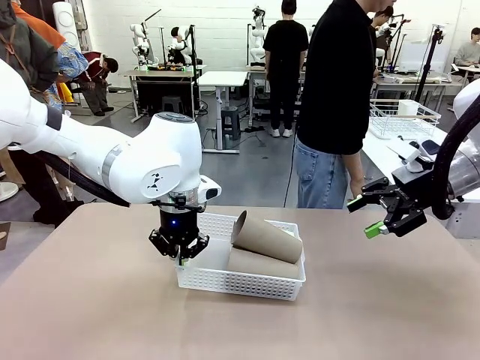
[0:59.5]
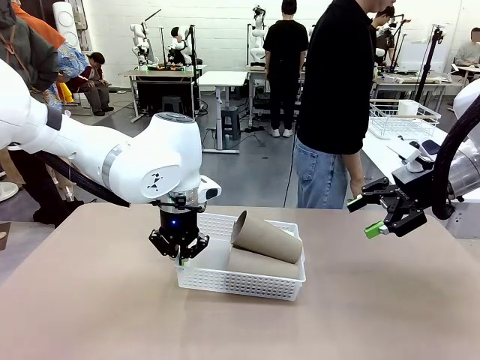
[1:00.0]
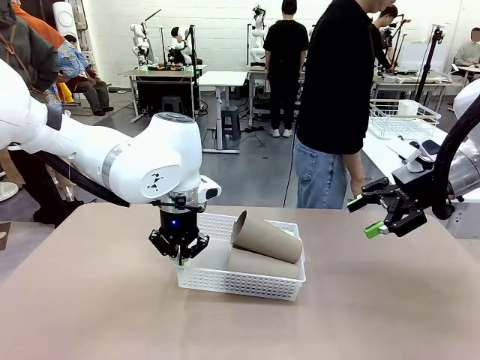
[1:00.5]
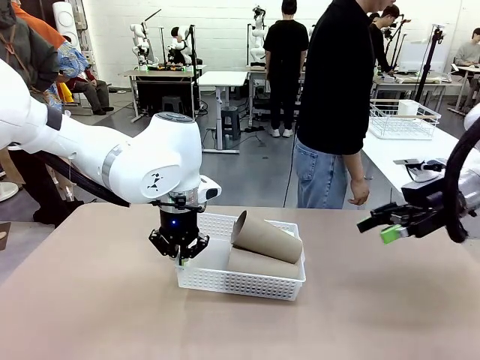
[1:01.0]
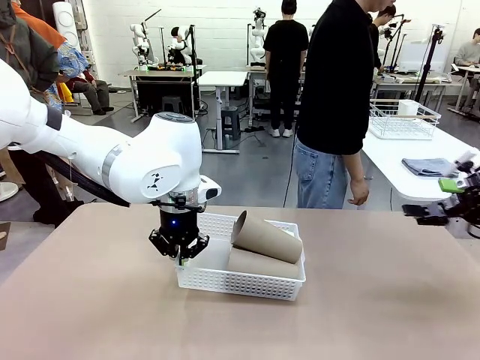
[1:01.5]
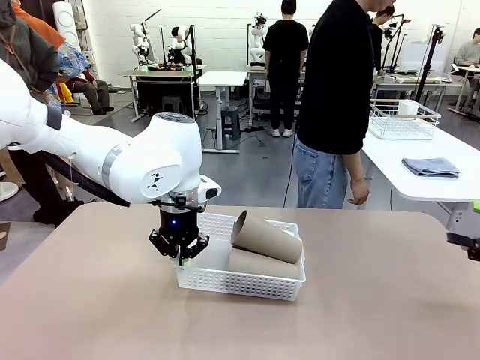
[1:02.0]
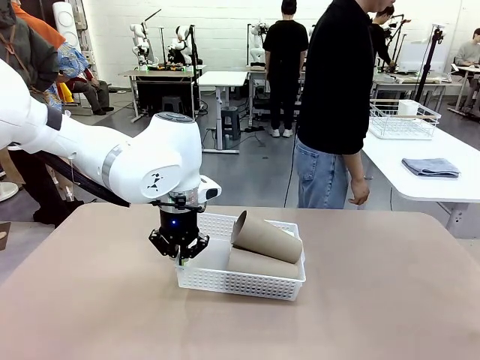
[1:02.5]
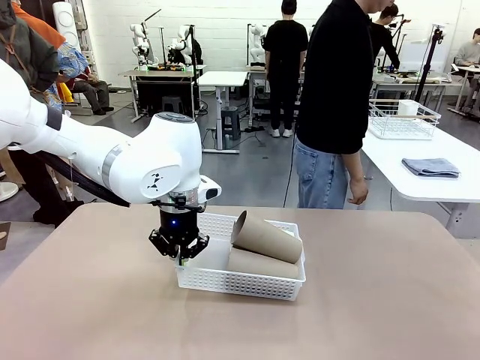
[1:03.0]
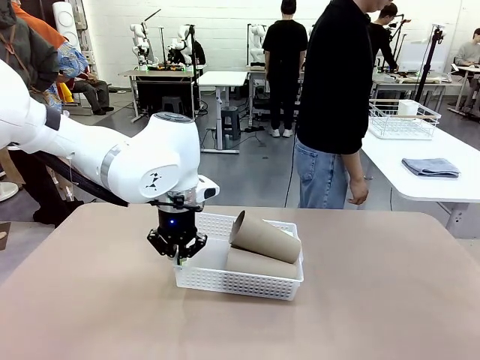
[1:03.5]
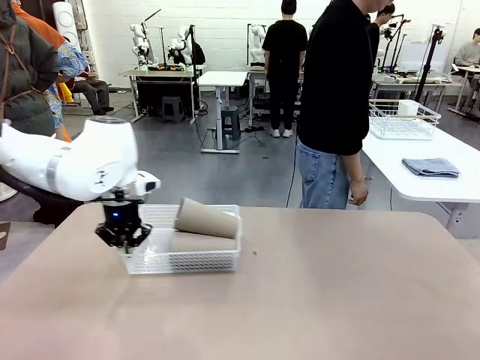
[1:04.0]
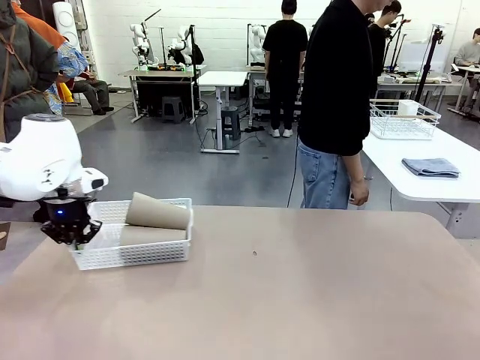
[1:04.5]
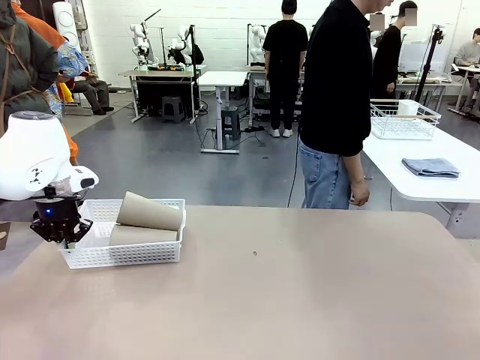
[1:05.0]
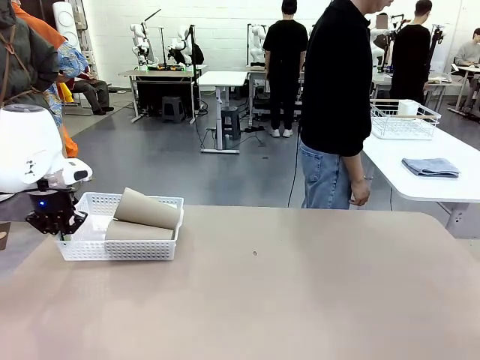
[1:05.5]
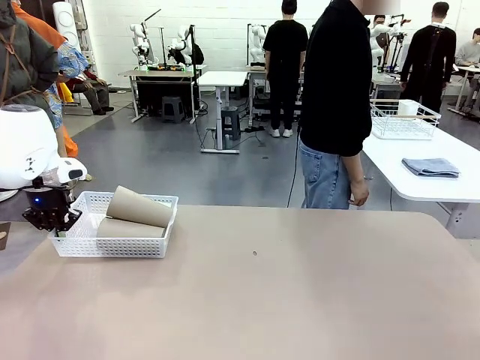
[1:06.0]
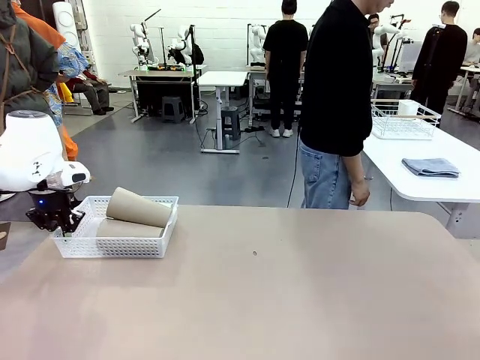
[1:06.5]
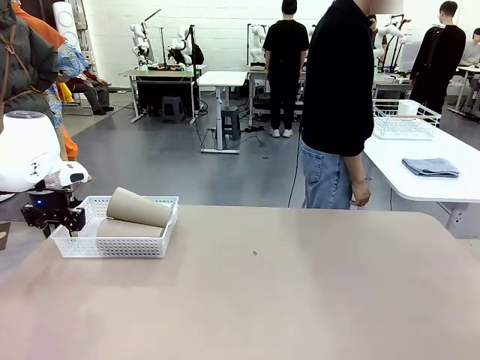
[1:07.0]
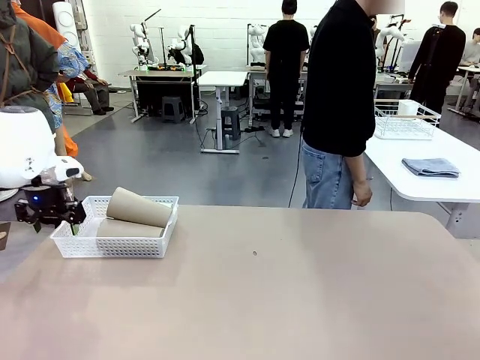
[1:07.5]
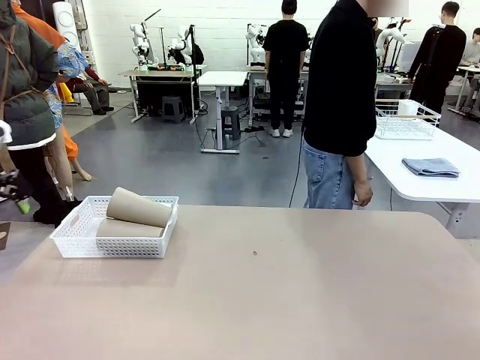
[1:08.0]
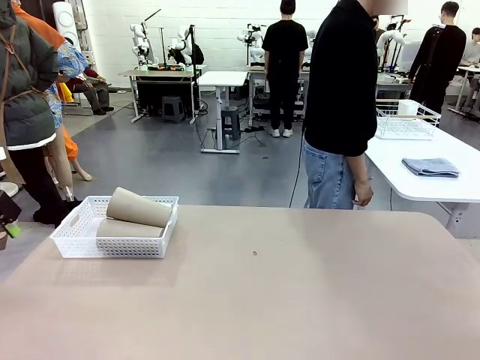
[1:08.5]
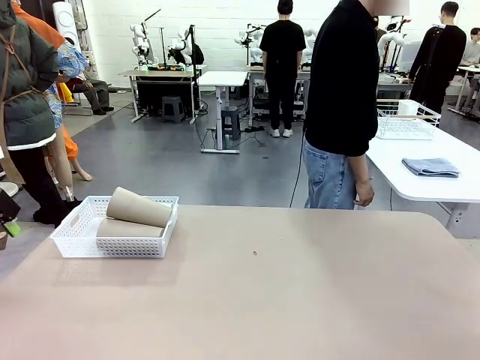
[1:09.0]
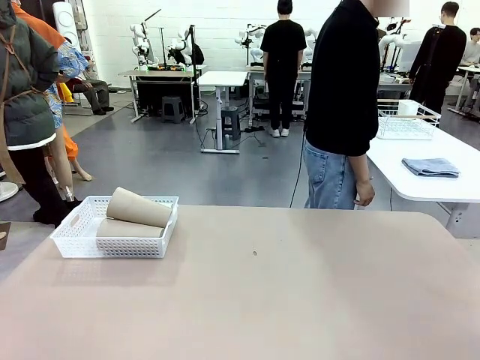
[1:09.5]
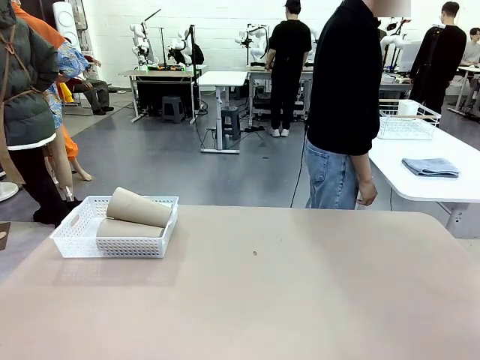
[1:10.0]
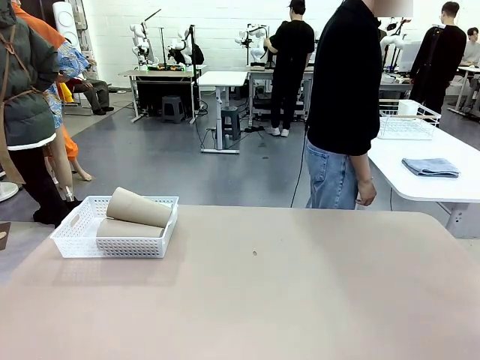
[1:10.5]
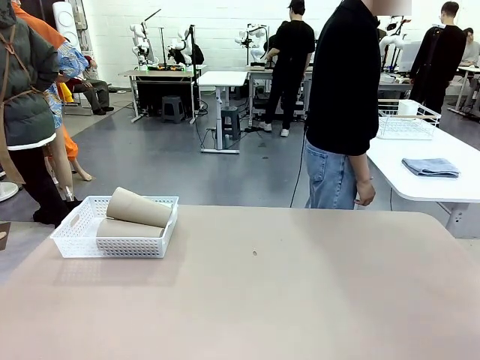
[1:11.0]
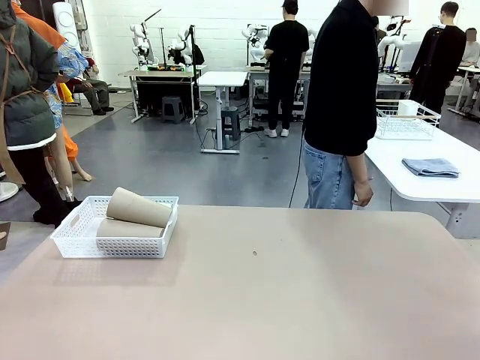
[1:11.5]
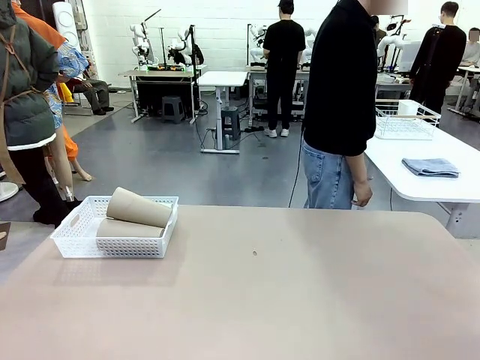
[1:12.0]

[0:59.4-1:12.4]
Task: Clean and organize the cups into the basket.
Robot: Move the Organizing basket back to the left side of the table.
Person: Folds the towel in half twice and places it in the right of the table.
